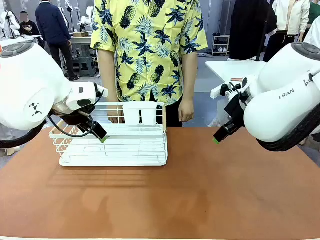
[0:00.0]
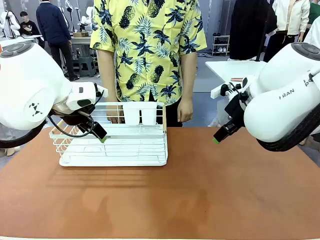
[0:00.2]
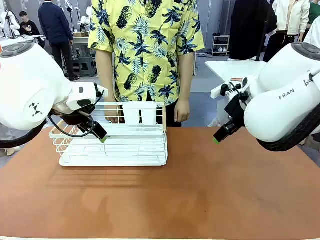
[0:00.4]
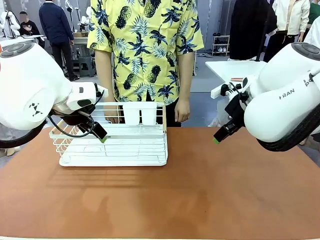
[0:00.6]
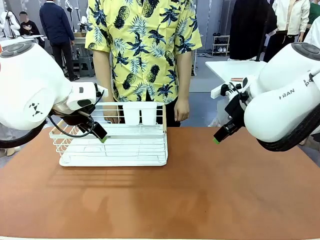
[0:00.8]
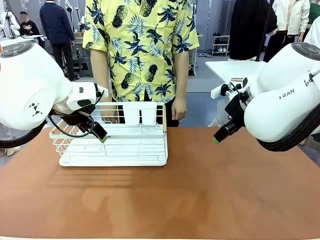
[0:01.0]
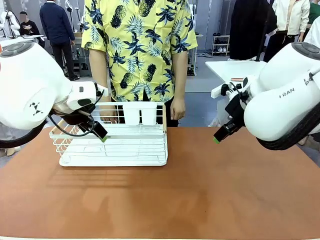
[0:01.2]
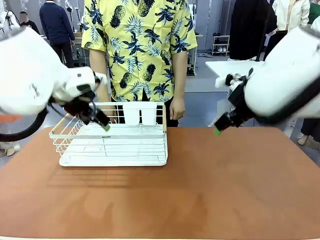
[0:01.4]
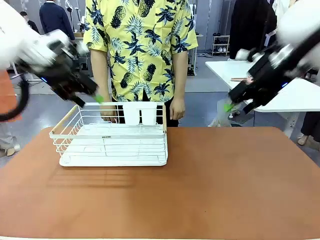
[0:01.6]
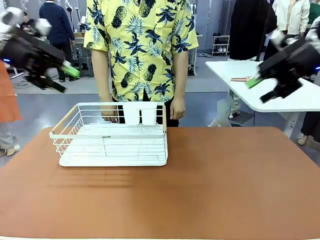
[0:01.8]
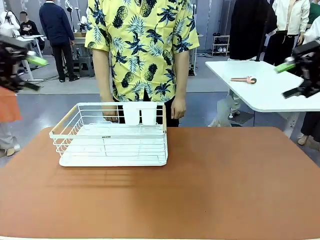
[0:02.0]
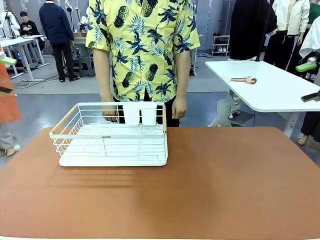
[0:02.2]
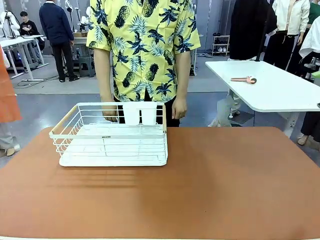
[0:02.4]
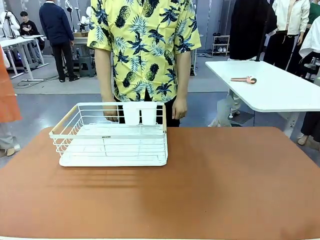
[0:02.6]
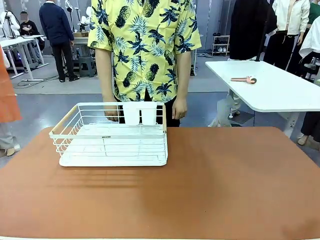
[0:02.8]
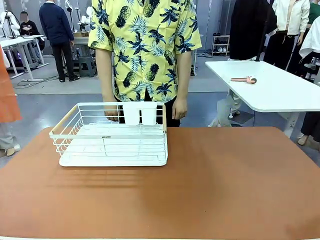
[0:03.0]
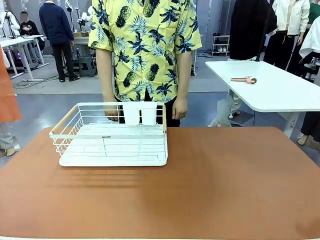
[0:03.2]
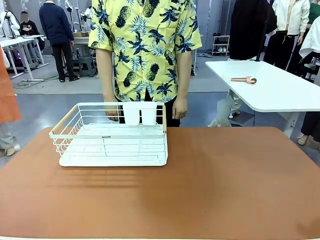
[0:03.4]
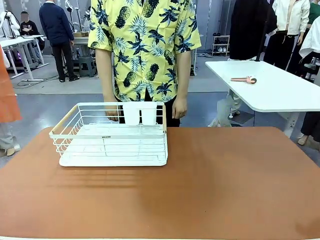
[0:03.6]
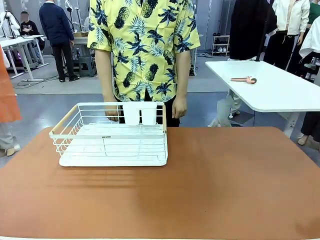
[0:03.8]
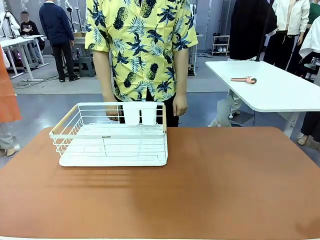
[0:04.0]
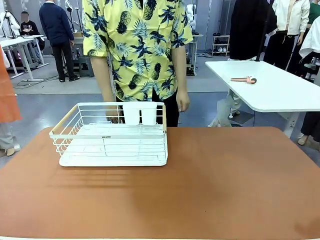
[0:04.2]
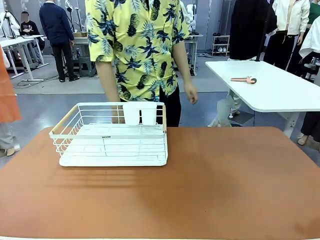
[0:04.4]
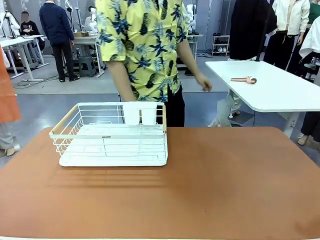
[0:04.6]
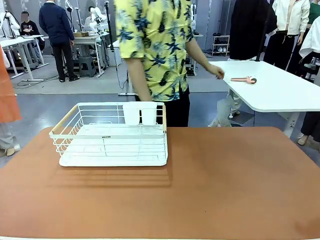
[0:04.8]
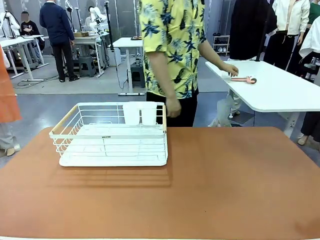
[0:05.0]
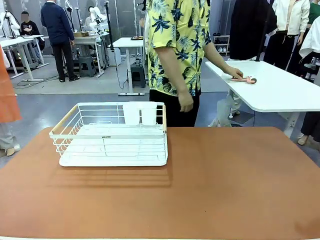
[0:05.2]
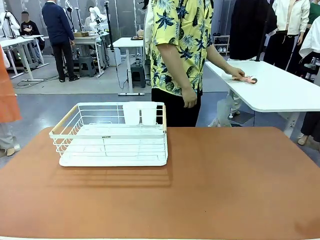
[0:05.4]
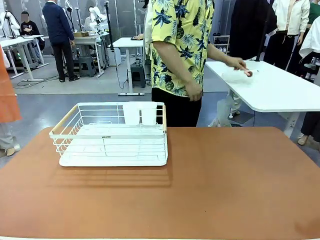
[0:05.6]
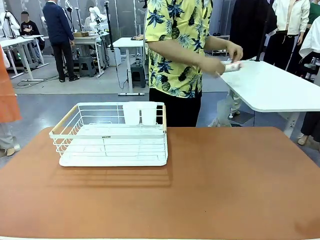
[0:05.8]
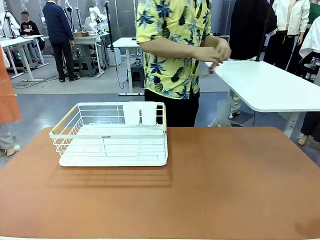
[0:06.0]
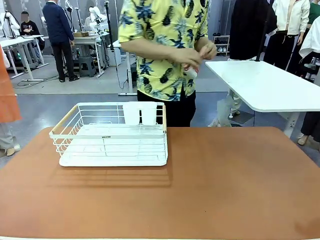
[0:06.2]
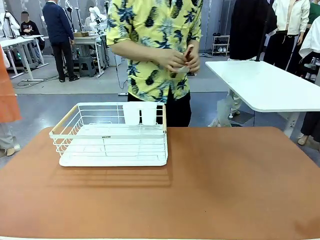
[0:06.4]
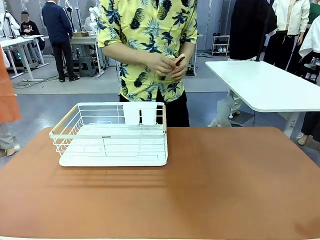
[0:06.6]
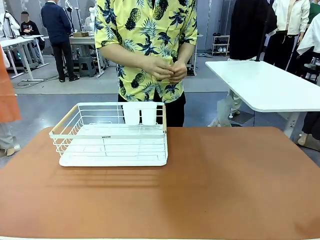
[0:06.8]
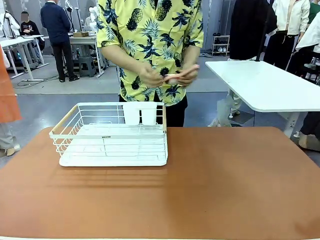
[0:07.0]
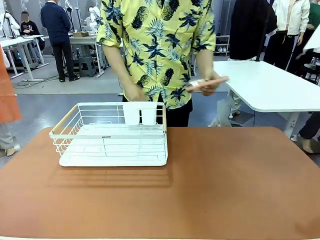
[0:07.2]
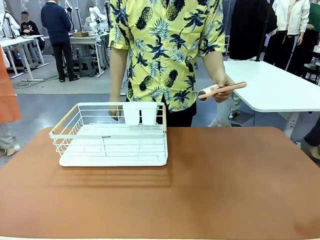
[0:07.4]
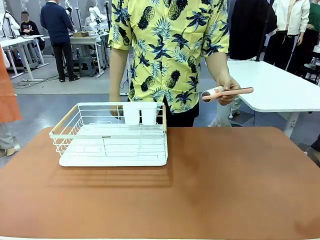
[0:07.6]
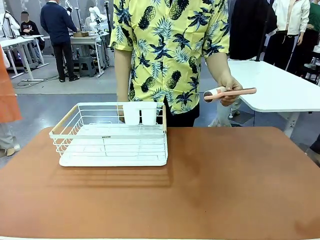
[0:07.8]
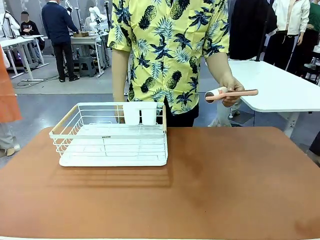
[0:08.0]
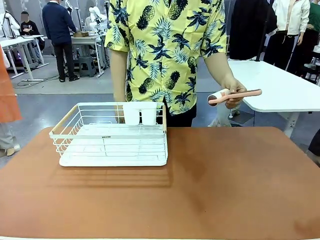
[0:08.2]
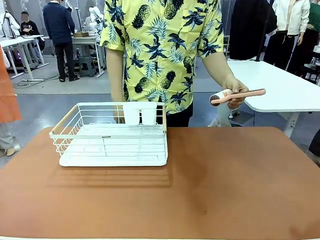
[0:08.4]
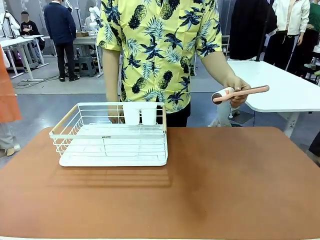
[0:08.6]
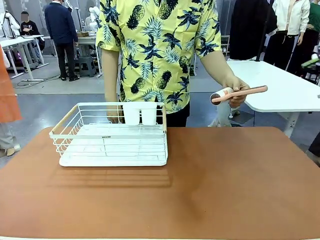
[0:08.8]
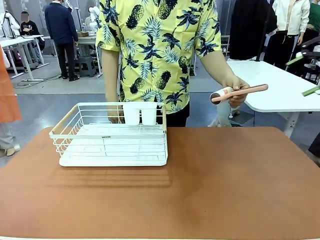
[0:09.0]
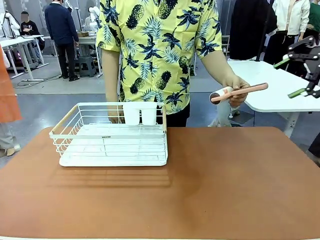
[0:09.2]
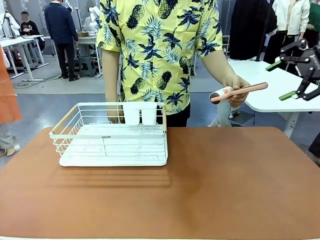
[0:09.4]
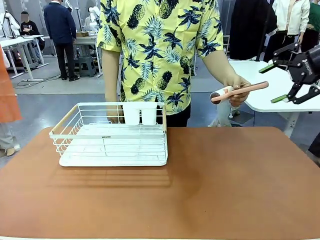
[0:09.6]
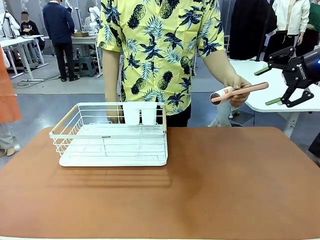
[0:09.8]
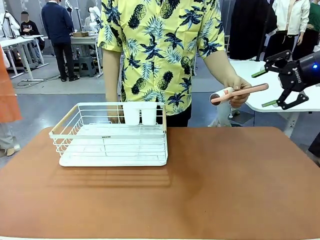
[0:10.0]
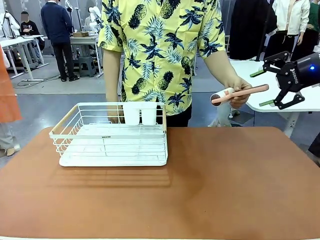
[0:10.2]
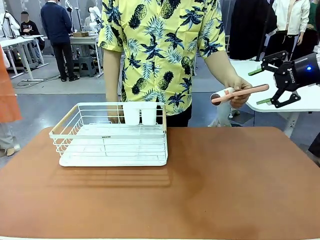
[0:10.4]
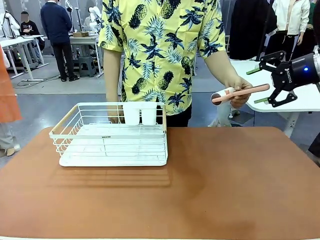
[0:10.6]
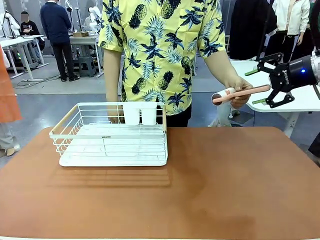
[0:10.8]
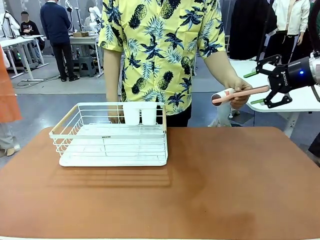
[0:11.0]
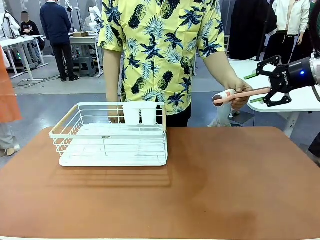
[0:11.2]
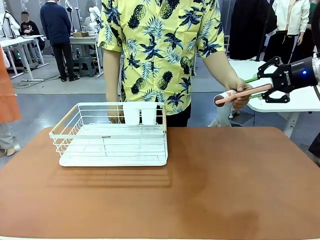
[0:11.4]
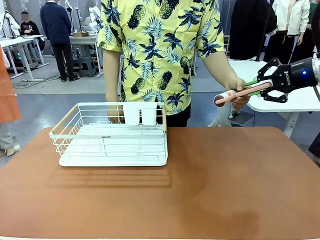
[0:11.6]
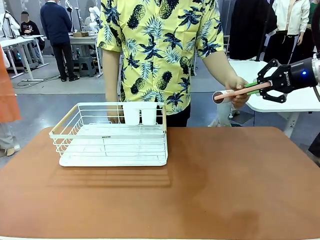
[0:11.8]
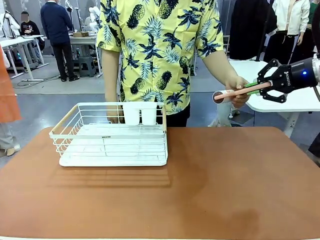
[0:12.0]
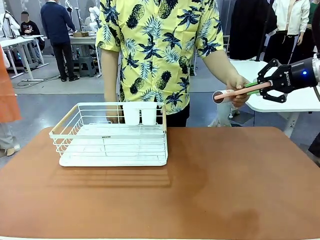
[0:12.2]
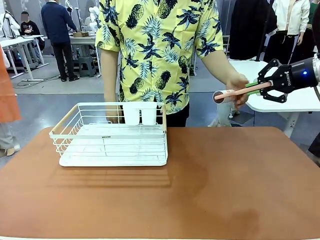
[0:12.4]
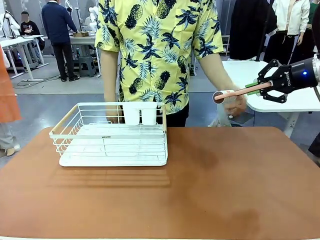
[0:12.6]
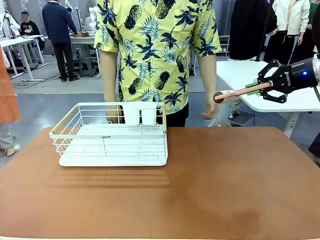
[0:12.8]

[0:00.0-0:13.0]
Task: Clean the table.
Robot: Pick up the Lint Roller when the human hands it over.
Person: Hand the Lint Roller to the robot so it can easily pick it up. Lift the Dish drying rack.
